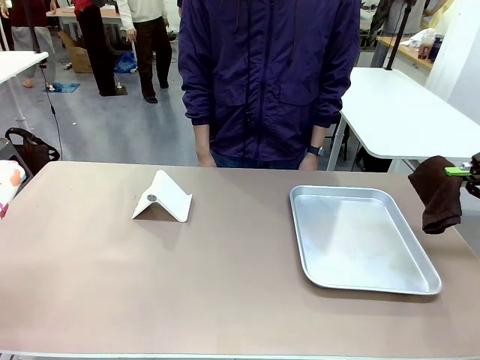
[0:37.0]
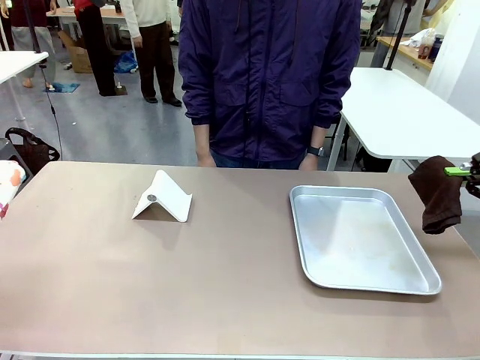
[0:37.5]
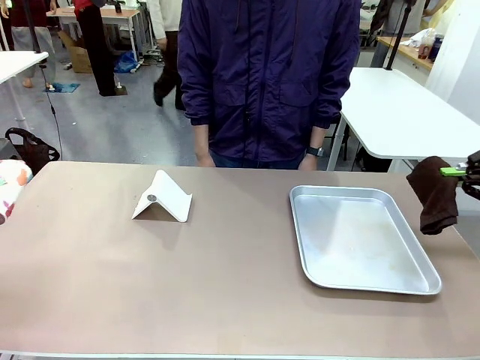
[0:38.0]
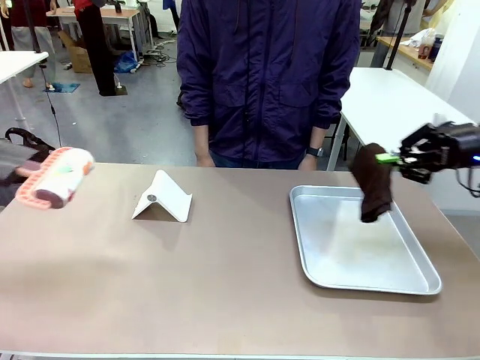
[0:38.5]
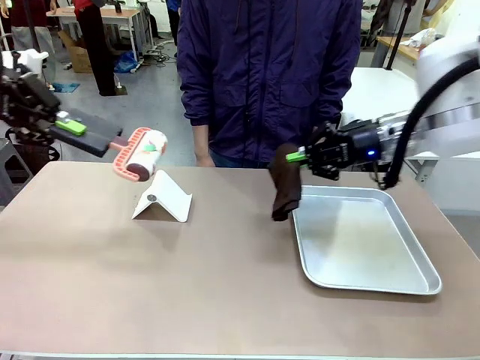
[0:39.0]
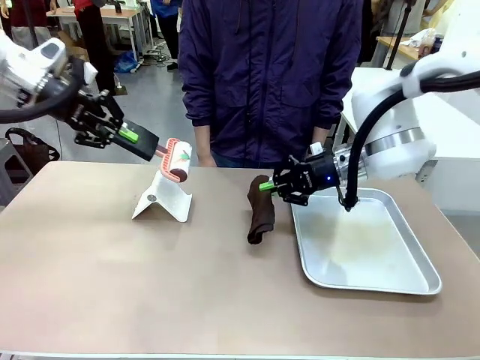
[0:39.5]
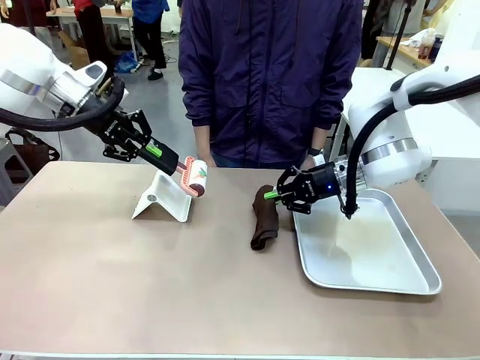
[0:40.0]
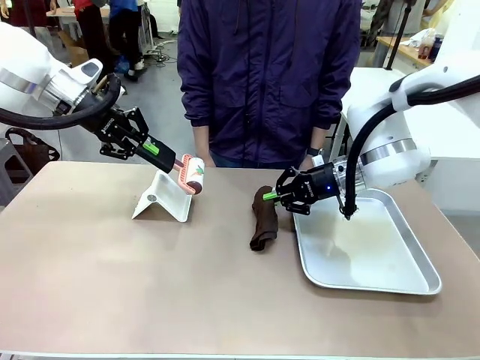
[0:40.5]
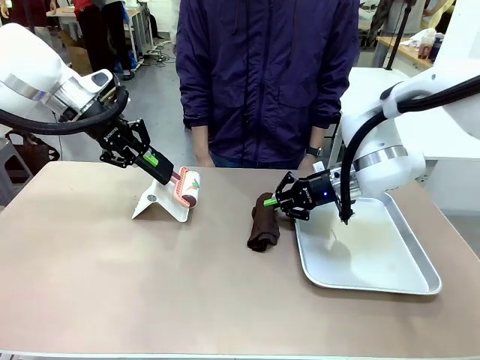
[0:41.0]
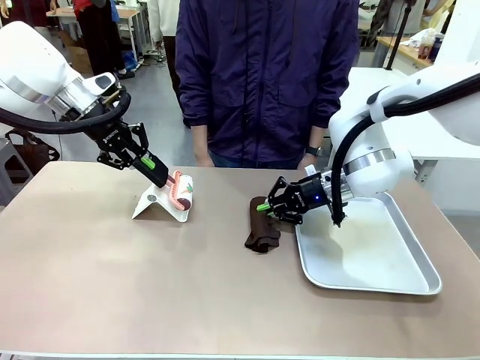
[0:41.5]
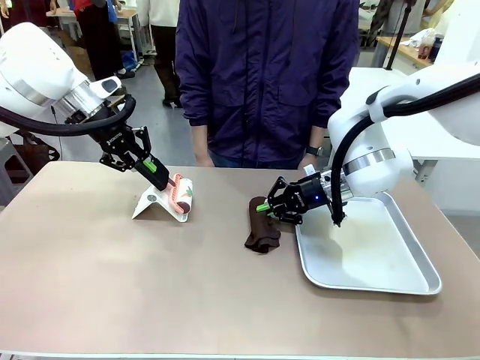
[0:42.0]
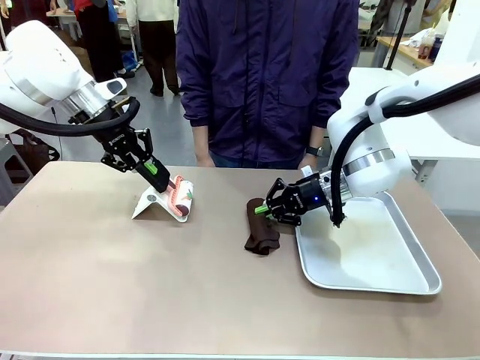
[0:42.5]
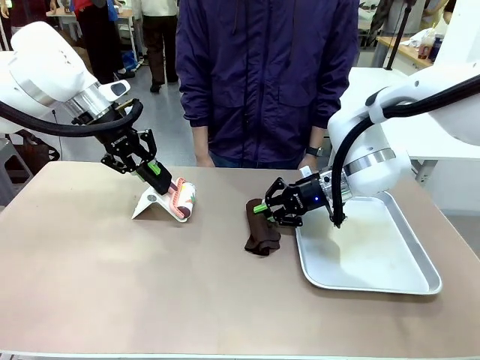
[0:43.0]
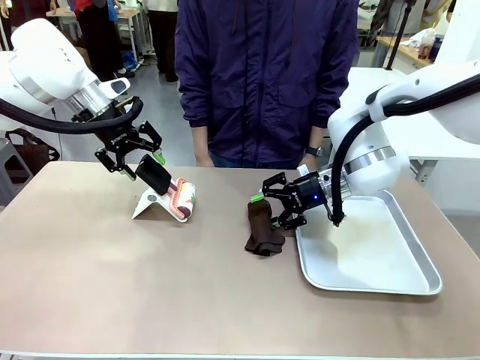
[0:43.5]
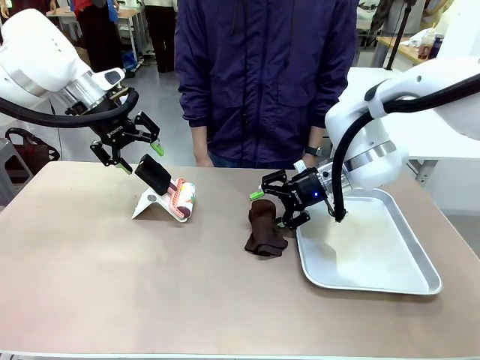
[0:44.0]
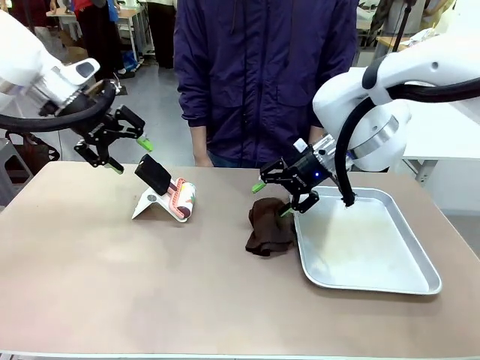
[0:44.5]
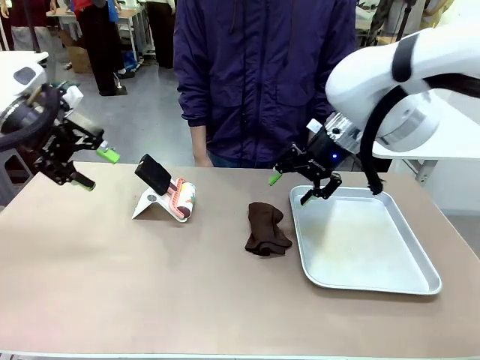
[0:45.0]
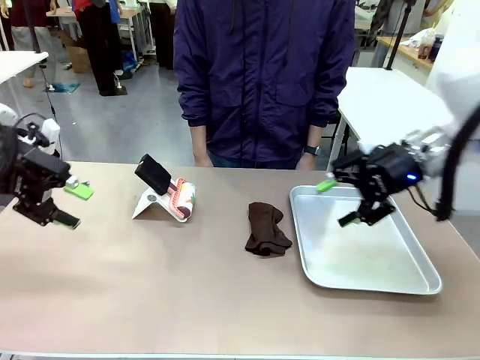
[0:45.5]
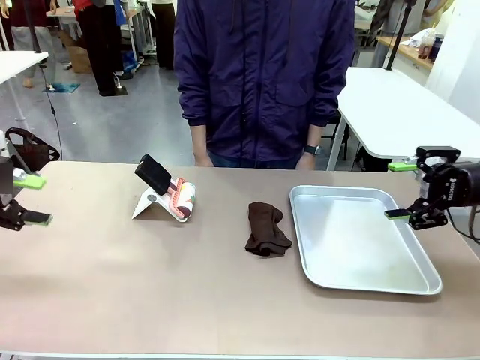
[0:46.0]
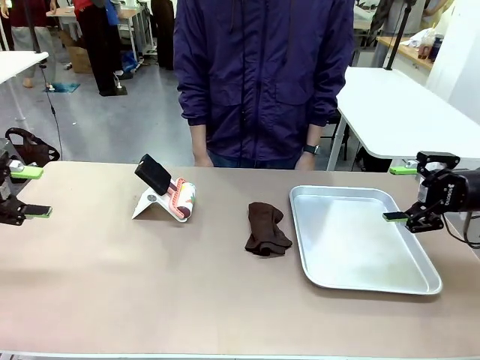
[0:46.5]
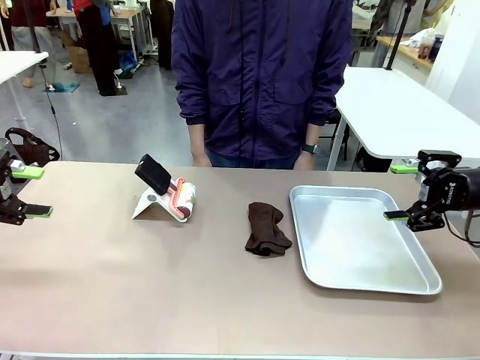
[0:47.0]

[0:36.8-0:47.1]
Task: Clean the surface of the table.
Robot: Return the Lint Roller and towel to their original positions.

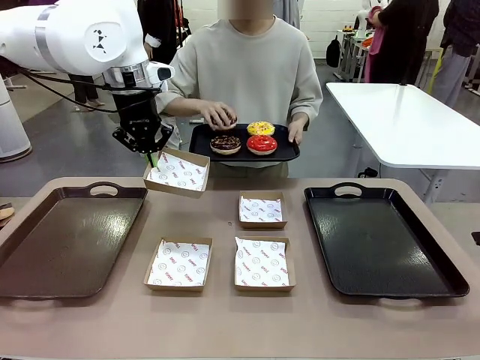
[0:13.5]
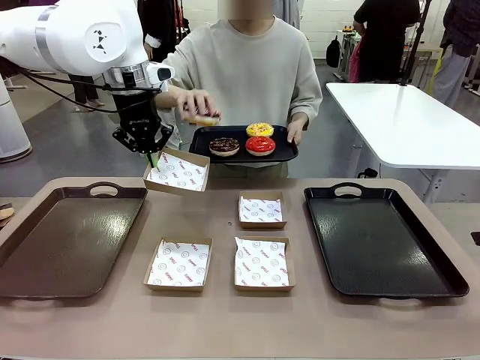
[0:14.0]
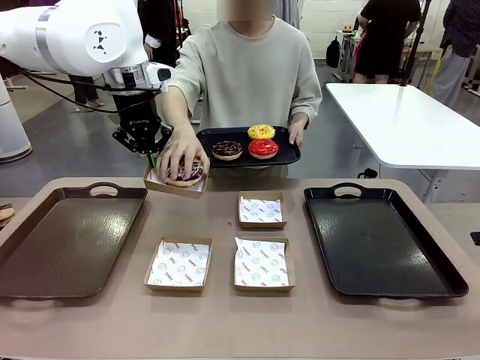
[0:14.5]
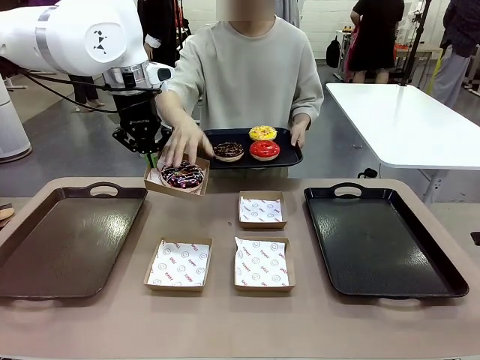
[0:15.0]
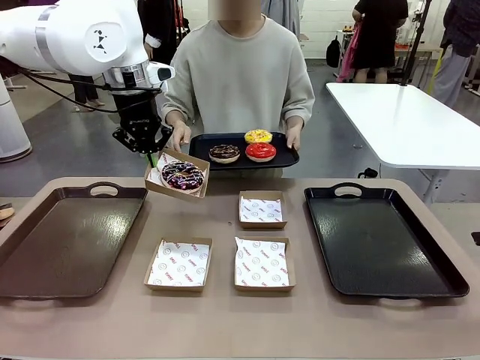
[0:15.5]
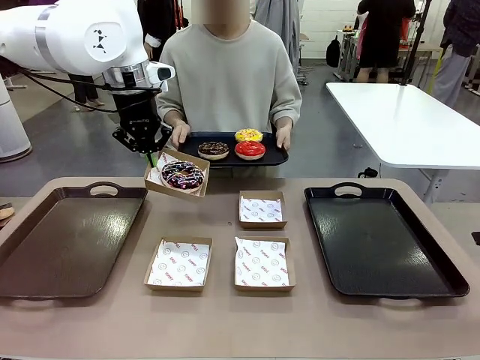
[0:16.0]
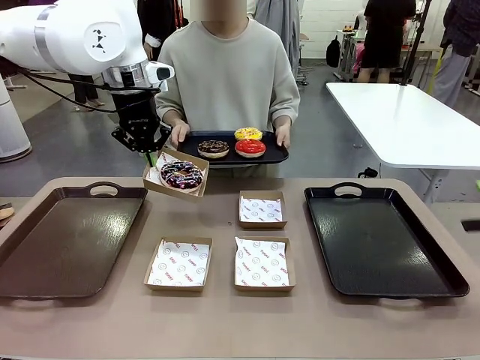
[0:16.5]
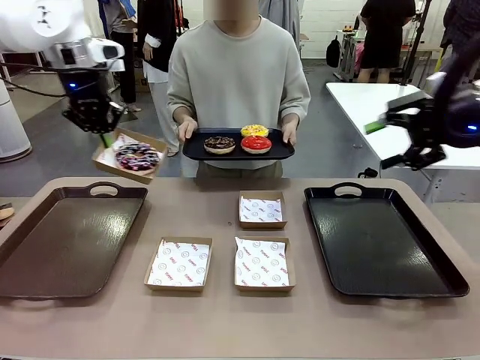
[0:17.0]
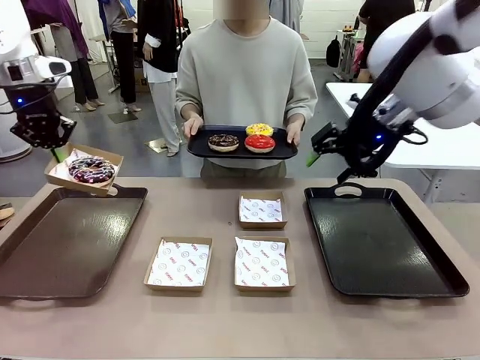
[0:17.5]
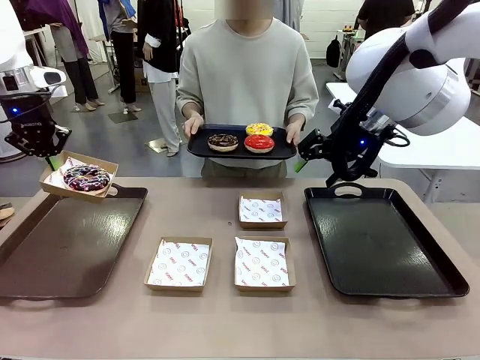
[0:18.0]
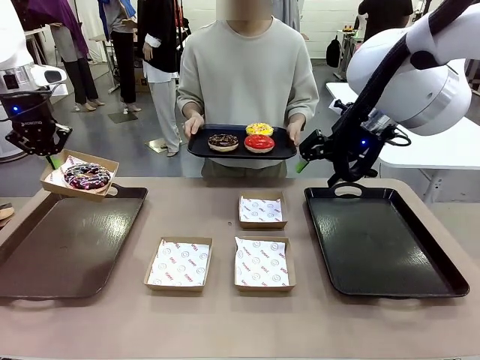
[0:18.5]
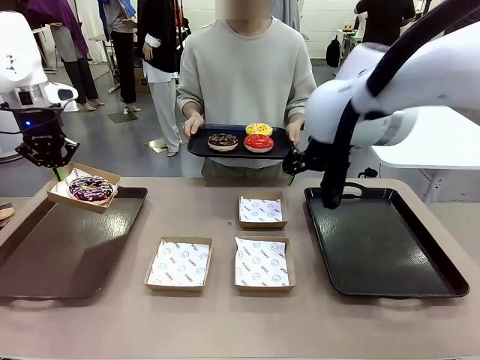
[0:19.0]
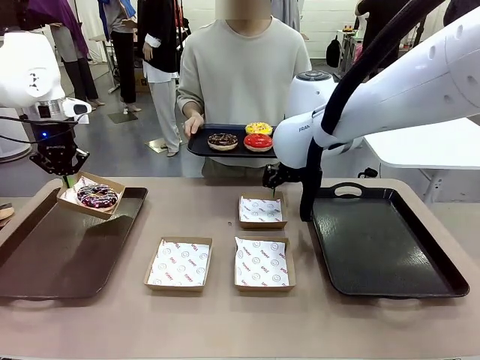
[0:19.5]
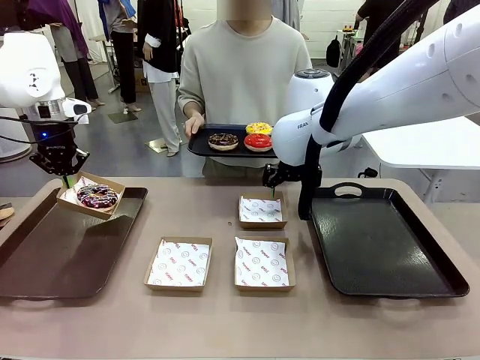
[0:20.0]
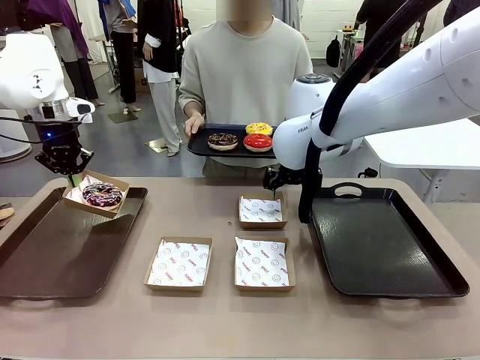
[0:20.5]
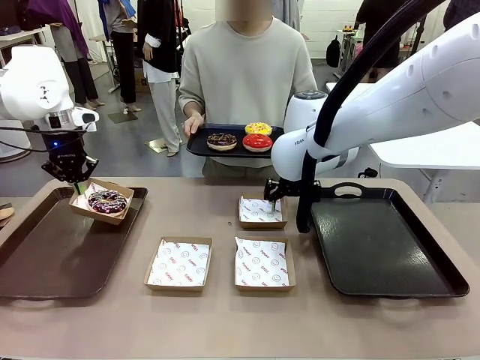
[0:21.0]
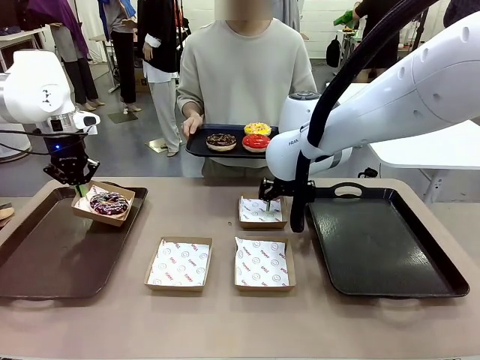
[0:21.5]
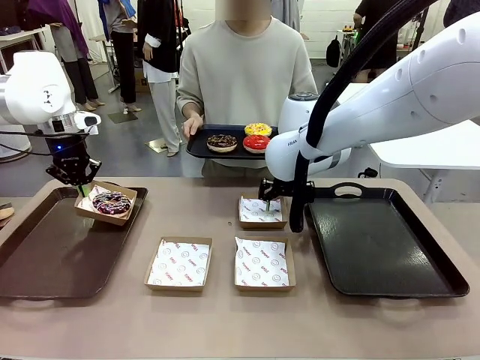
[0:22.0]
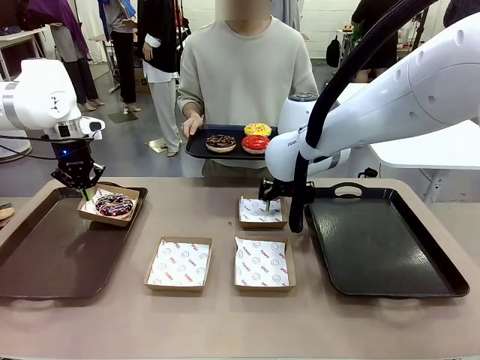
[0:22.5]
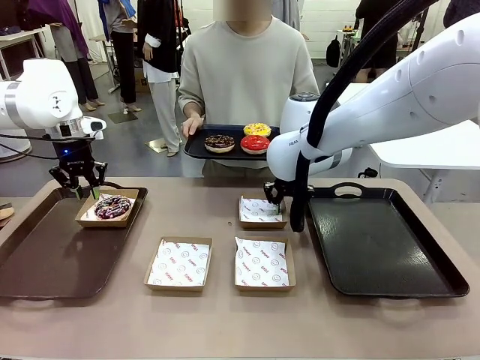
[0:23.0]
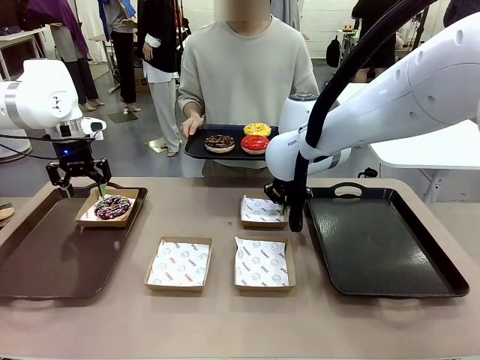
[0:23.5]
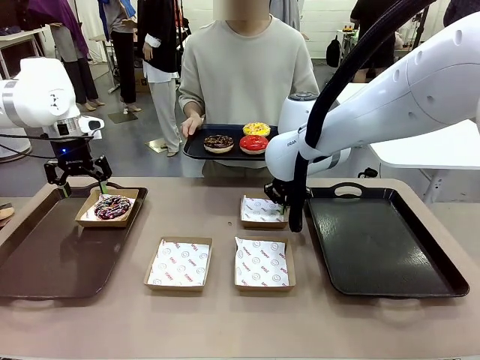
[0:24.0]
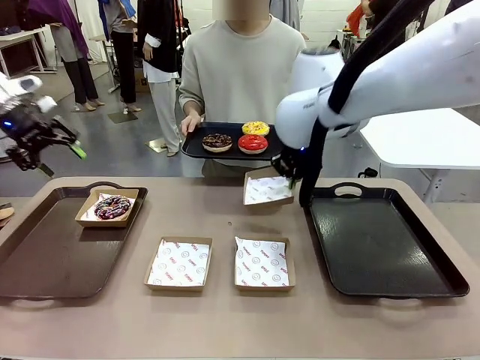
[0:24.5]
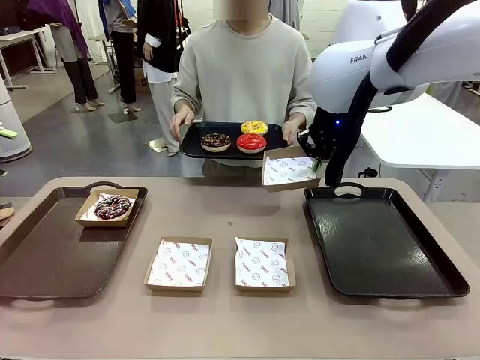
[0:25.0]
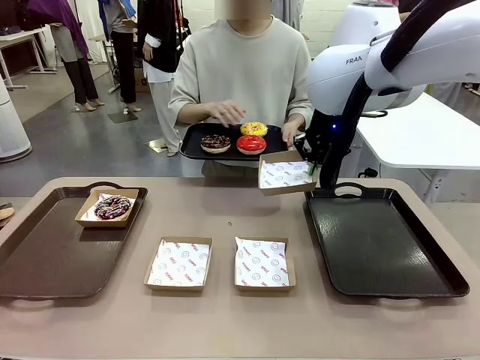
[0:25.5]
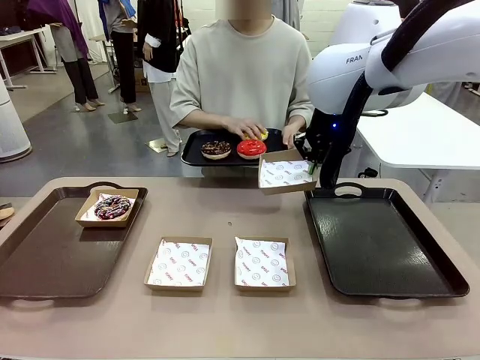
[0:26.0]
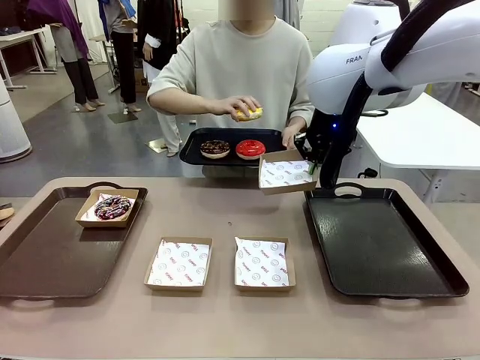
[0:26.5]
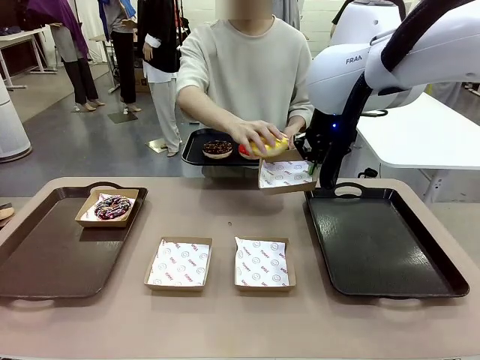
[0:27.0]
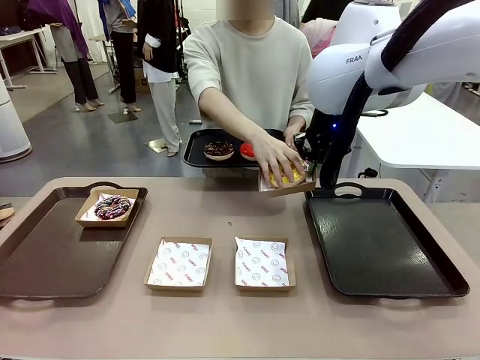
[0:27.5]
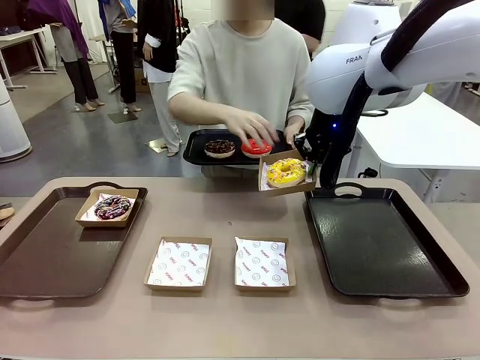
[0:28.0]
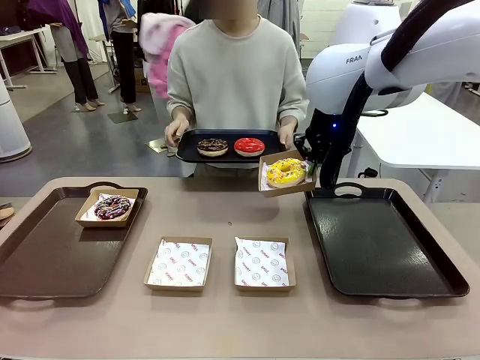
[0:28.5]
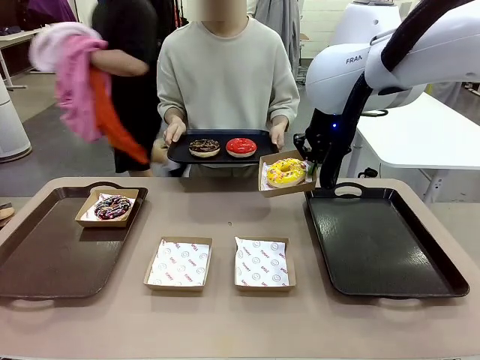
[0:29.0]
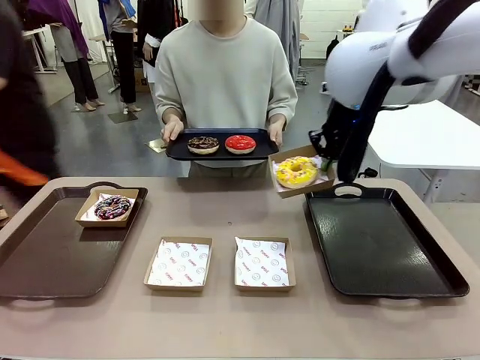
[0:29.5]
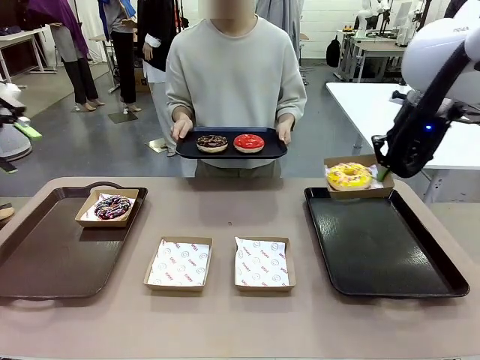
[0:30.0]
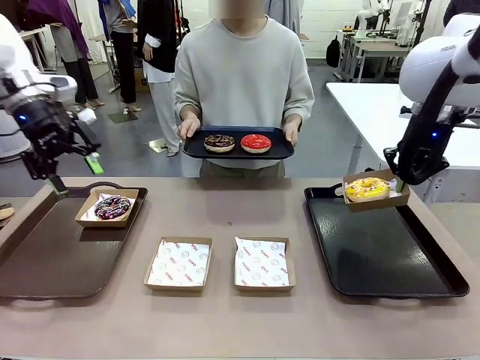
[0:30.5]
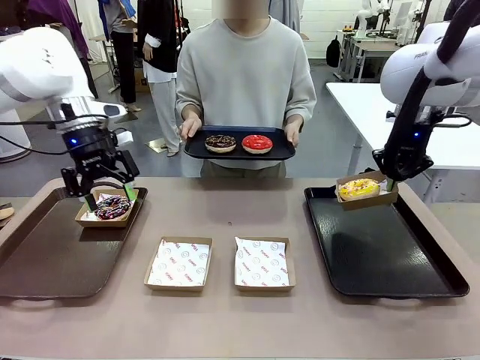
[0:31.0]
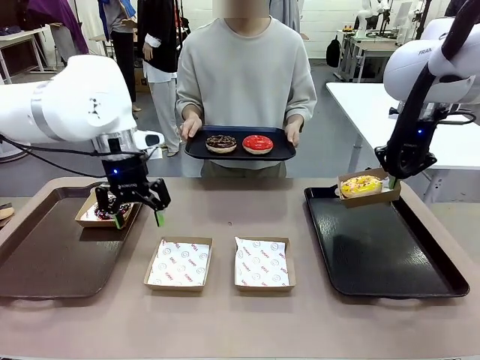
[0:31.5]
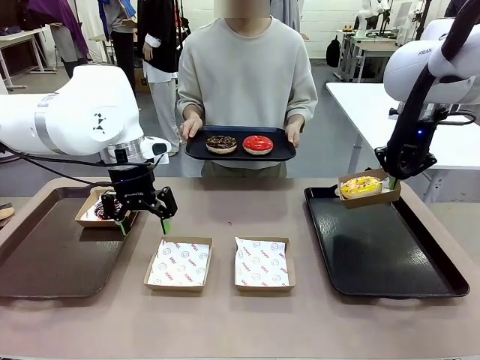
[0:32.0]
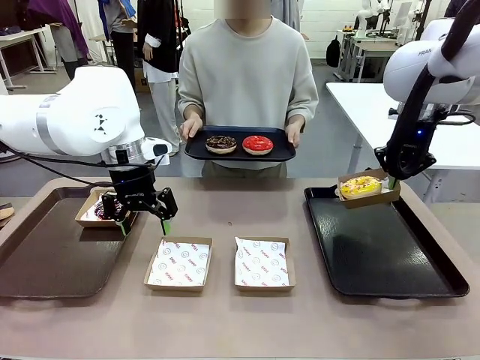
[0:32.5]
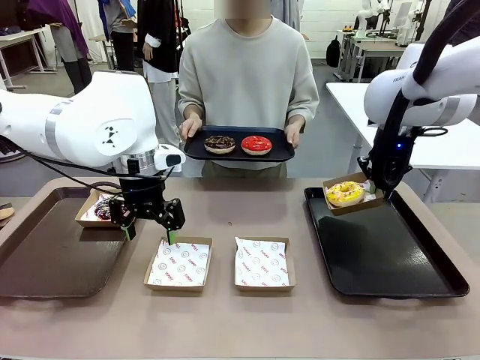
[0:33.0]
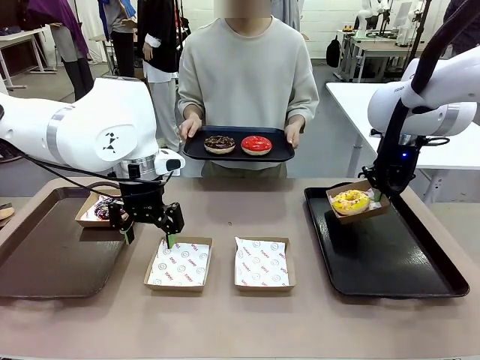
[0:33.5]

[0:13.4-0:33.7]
Task: Individually package the donuts and arrange them on the tray.
Robot: Place the picked Paper togo box on the Handle tray while simultaneously picking up another Paper togo box from the table with the other hand.
